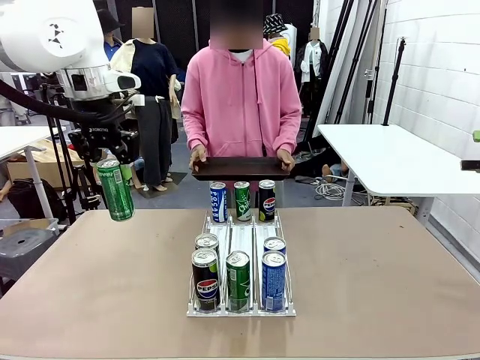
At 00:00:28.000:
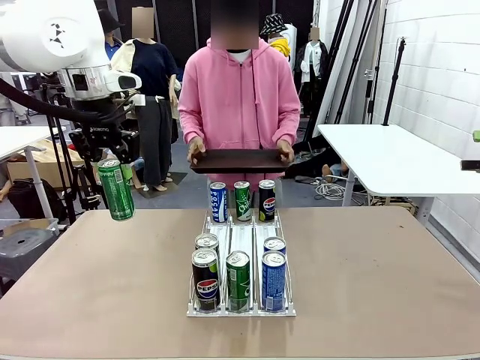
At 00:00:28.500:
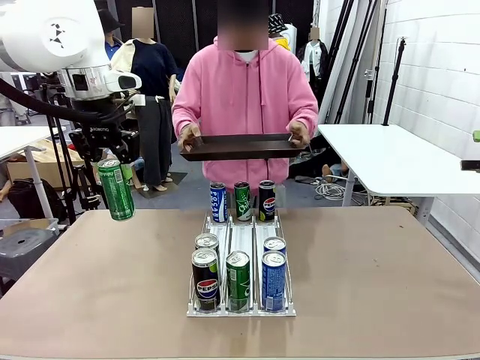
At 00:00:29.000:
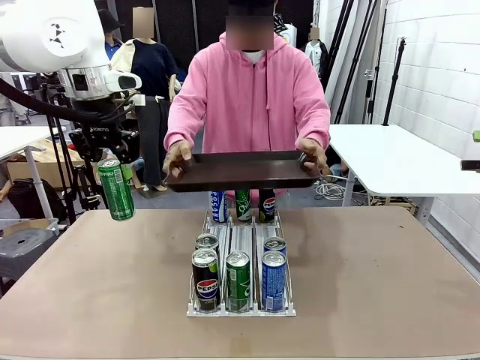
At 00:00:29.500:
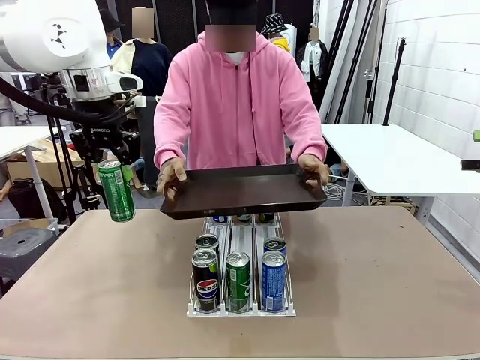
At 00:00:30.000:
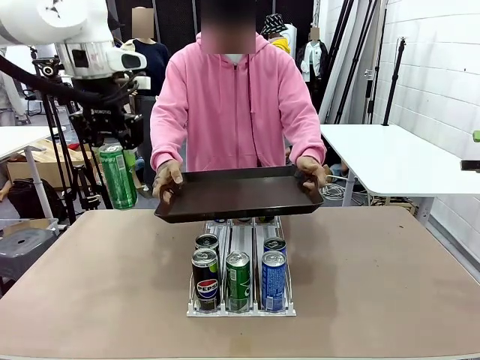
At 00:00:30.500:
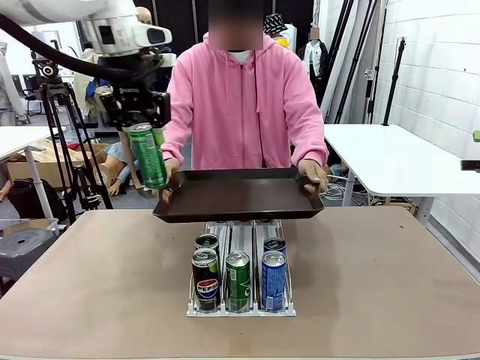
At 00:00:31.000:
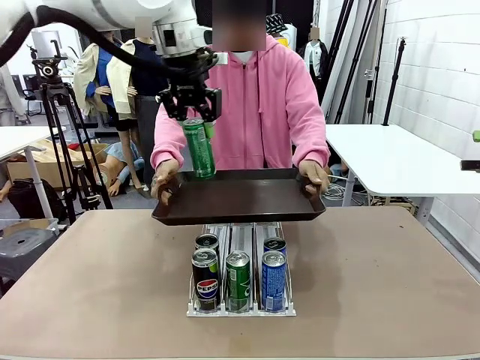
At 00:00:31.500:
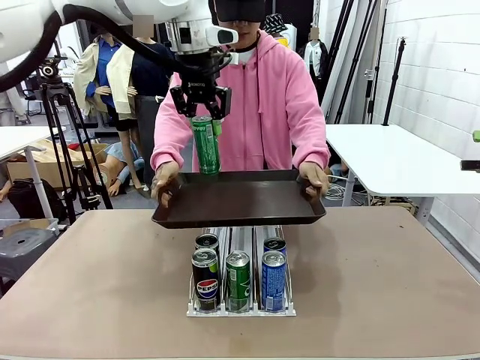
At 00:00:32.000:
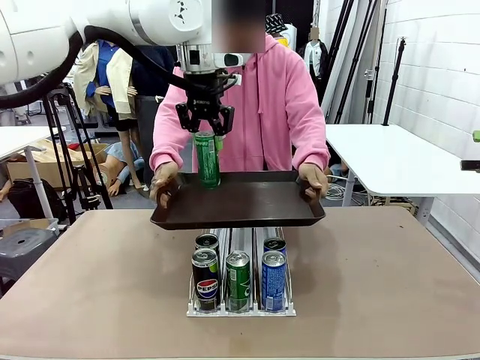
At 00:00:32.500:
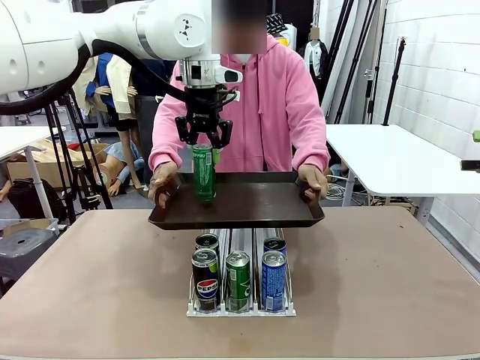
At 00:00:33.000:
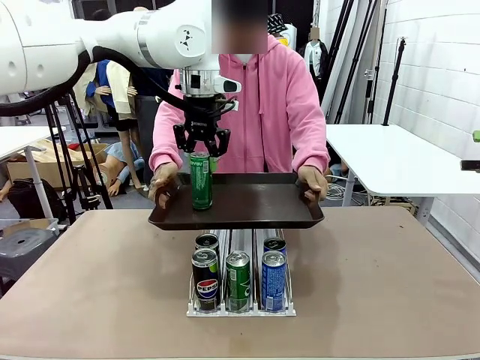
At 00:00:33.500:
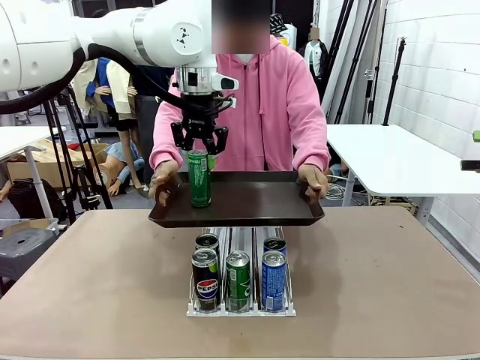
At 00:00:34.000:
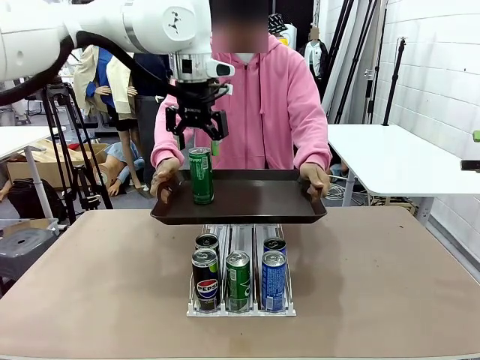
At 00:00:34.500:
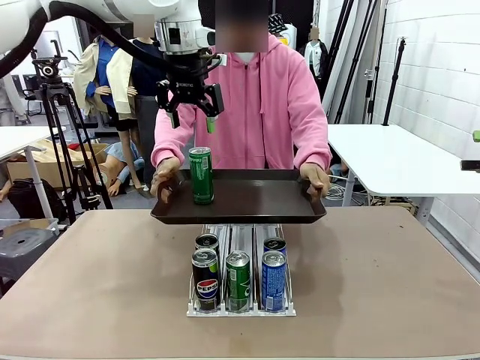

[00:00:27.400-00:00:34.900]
Task: Retrieve and hand over the desired beverage to the person.
Robot: Place the picked can on the Handle tray extended by the person.

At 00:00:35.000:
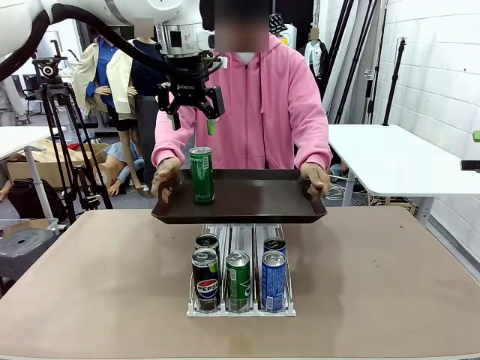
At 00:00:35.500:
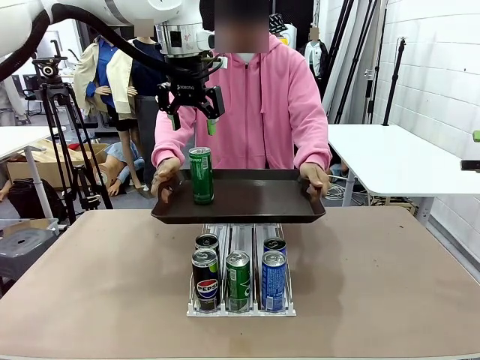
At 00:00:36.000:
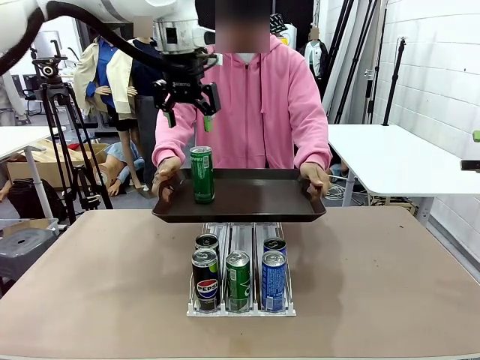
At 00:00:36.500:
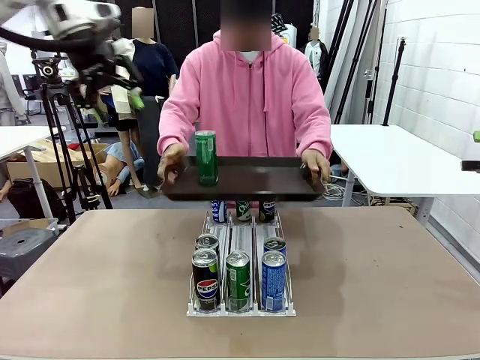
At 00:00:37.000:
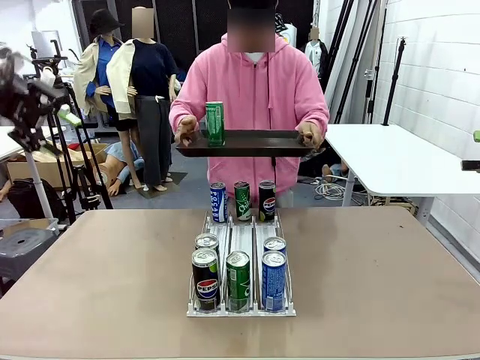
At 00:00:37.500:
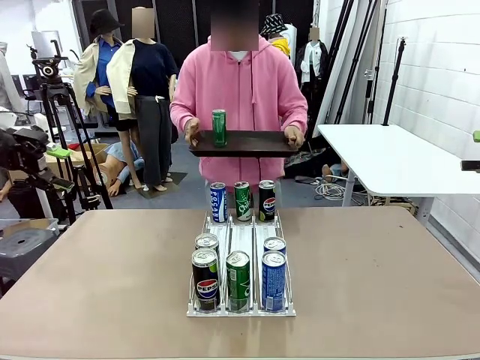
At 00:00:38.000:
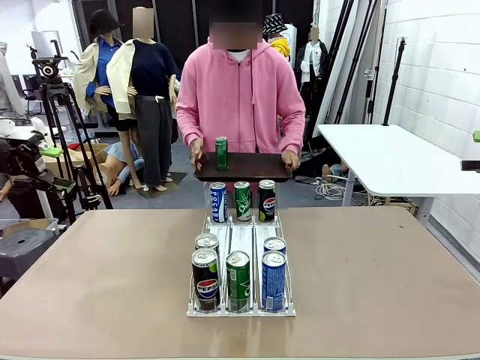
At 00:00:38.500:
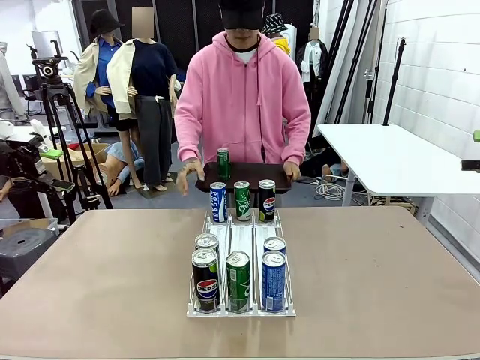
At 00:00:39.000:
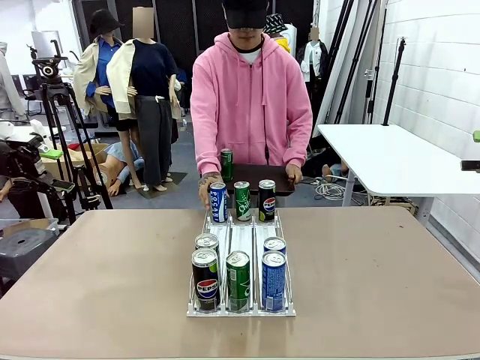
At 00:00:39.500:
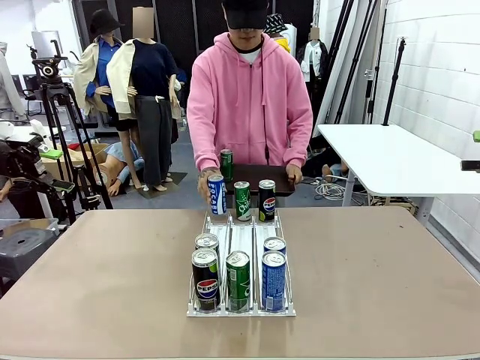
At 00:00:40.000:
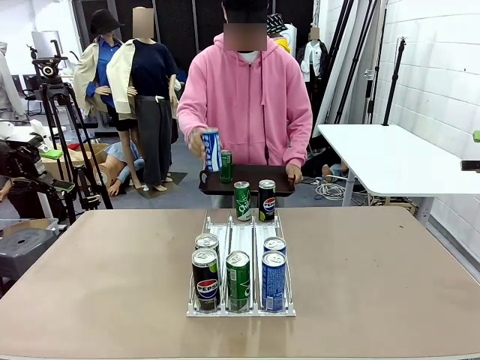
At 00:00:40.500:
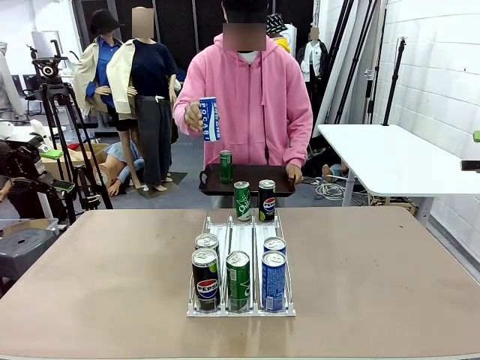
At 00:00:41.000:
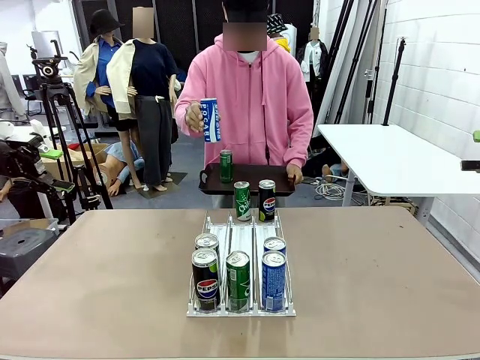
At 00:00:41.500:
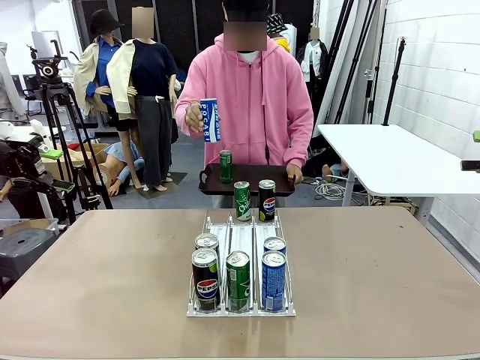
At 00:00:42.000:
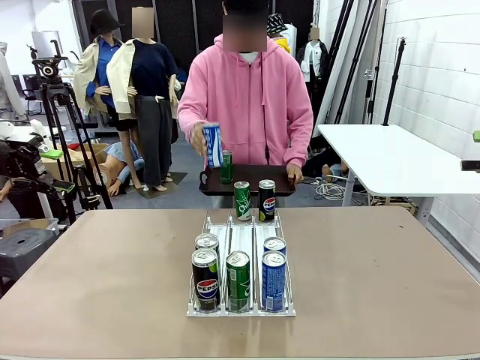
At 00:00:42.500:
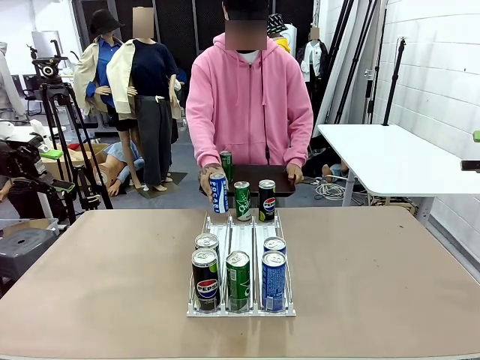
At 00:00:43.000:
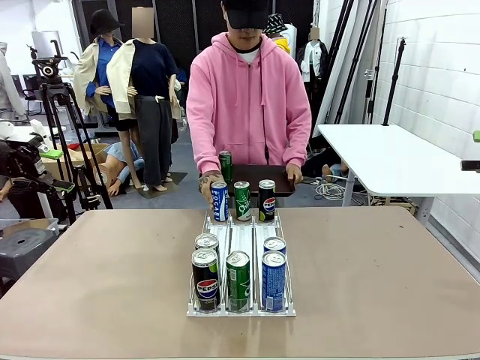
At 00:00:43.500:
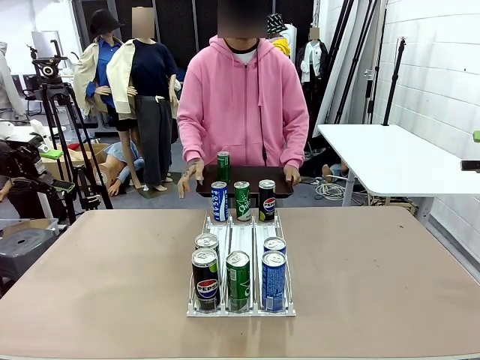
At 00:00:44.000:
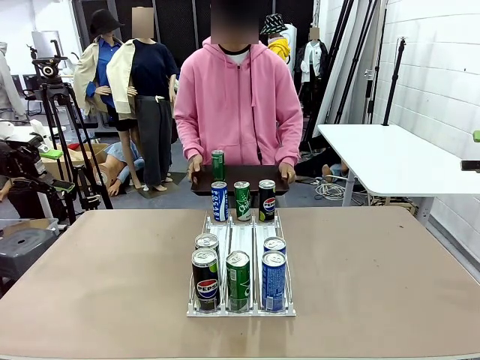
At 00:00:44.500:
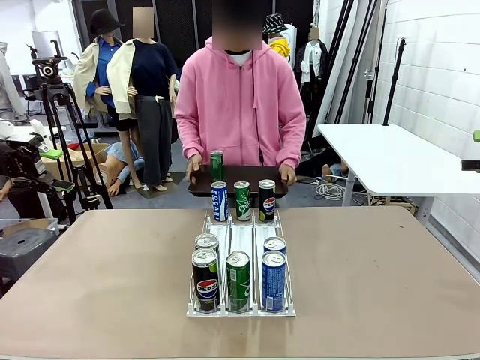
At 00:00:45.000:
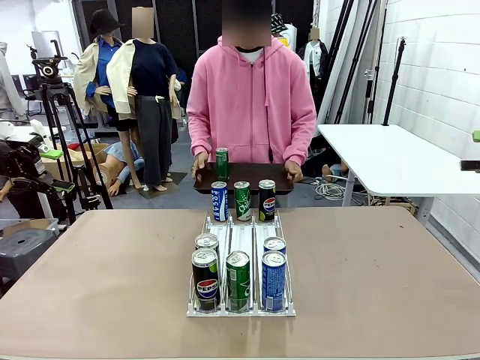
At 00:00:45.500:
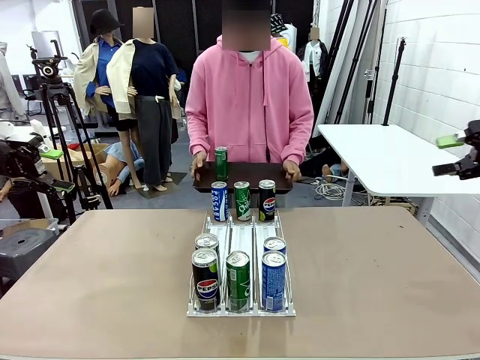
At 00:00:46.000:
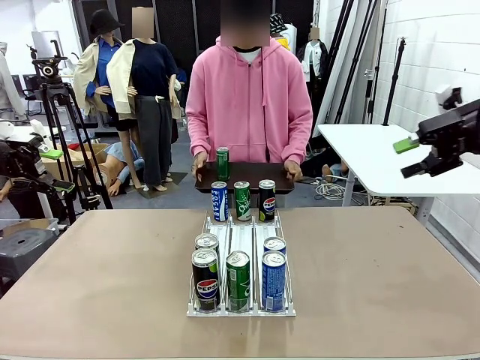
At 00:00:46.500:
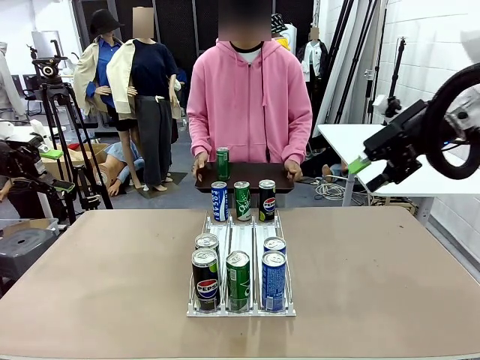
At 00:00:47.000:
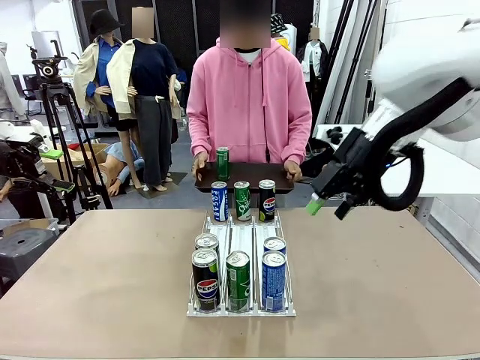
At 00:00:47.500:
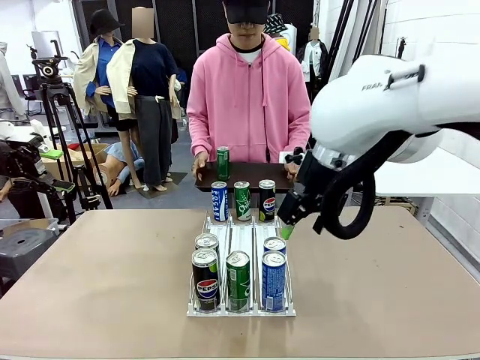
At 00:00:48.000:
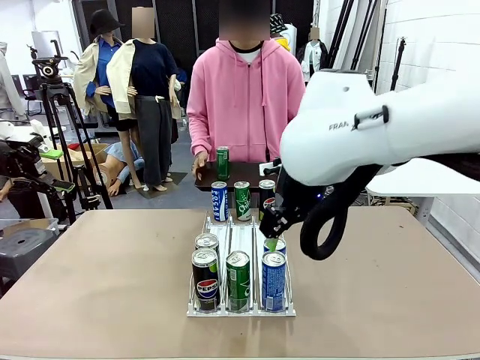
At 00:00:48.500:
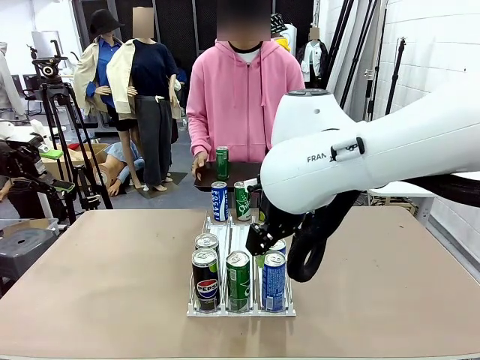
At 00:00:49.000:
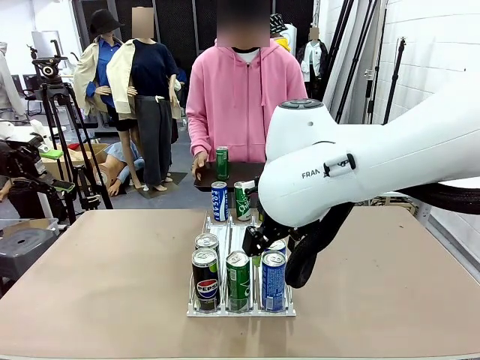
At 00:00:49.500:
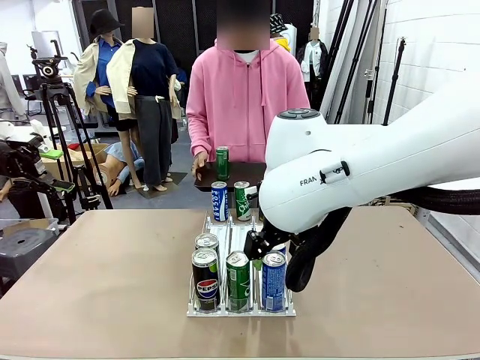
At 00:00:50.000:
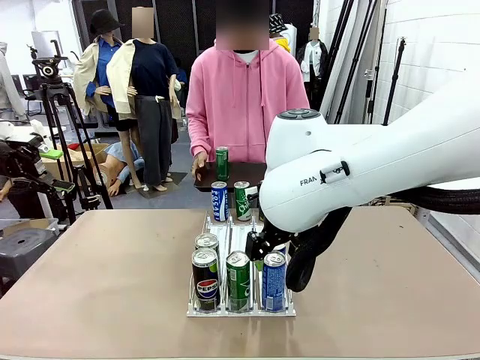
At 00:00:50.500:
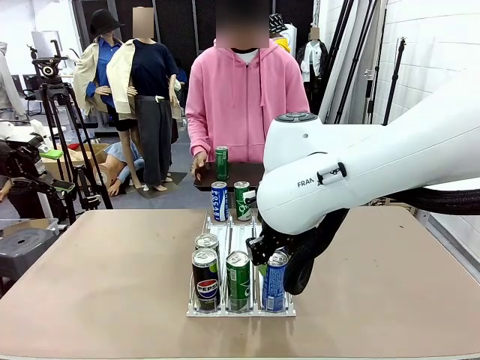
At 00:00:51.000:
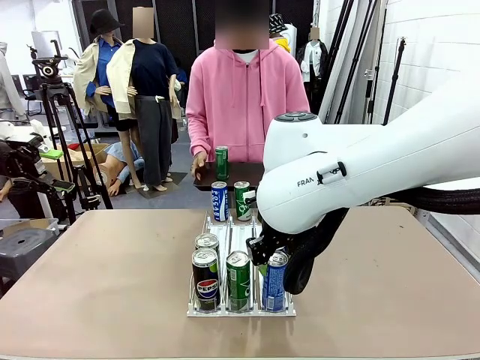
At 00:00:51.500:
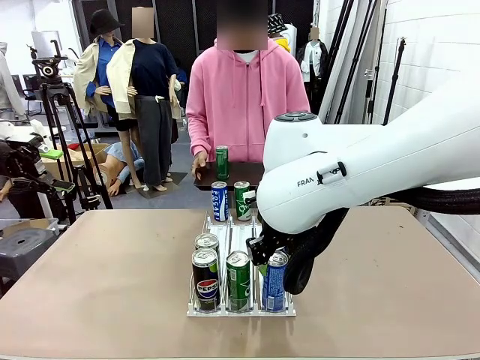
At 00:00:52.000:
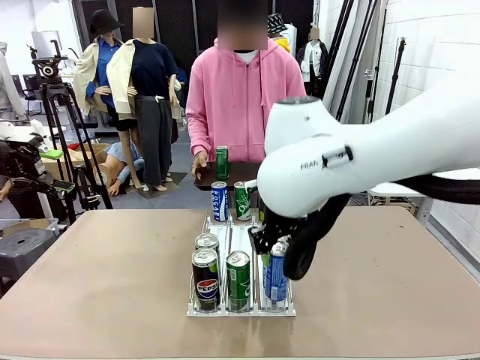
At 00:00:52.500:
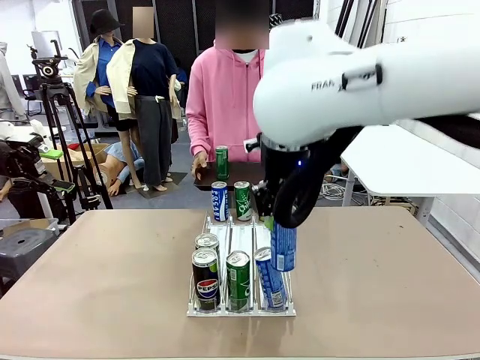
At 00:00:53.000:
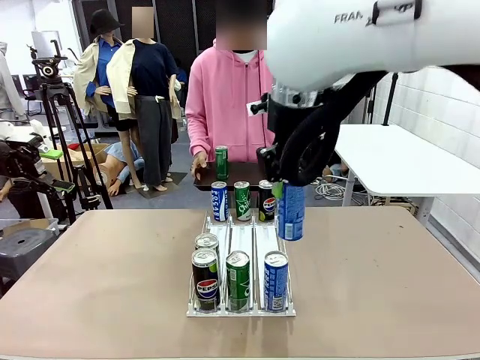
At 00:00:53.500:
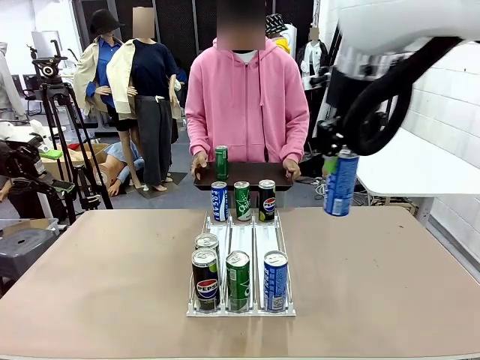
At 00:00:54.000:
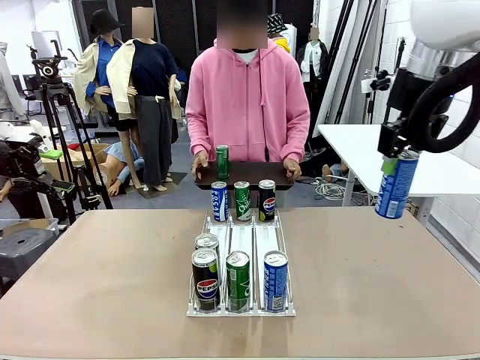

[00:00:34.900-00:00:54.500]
Robot: Pick up another can of the same type that the person held from the Automatic Can Dispenser.
Person: Pull the tray back, then pick up another can from the bottom area of the table and puts it back in its original place. Push the tray toward the robot again.
